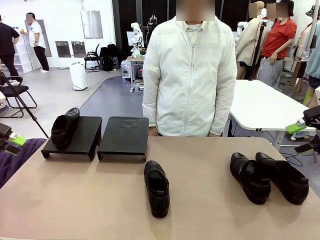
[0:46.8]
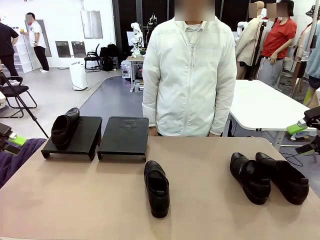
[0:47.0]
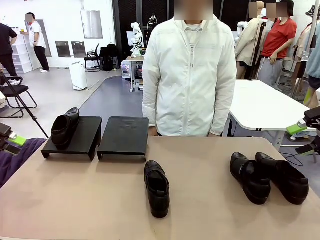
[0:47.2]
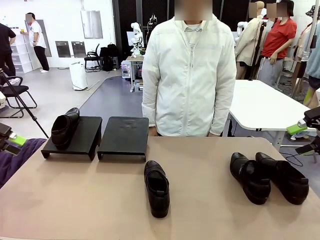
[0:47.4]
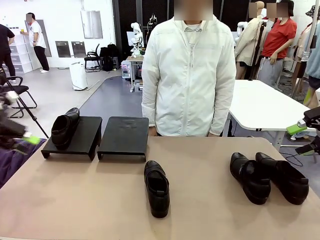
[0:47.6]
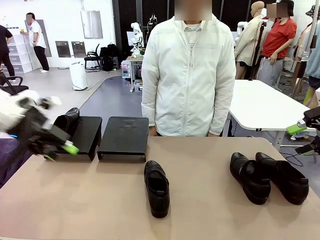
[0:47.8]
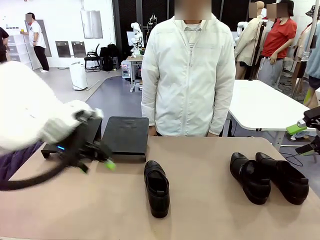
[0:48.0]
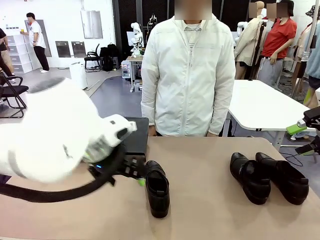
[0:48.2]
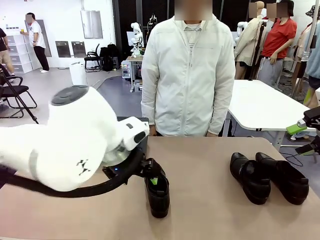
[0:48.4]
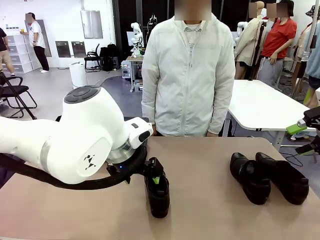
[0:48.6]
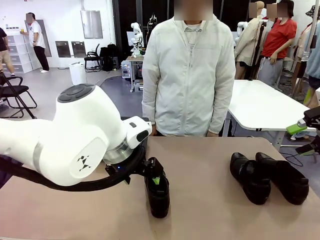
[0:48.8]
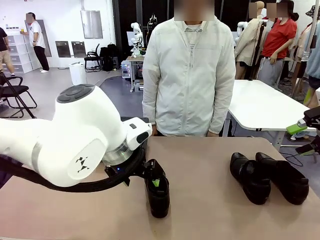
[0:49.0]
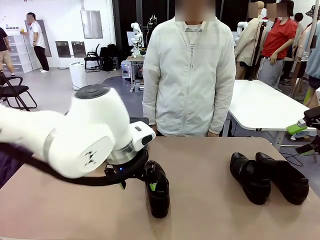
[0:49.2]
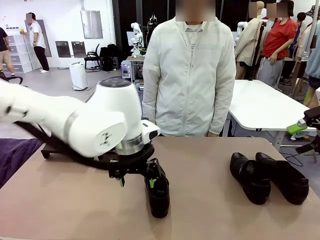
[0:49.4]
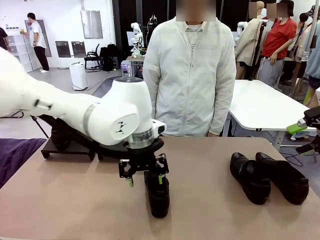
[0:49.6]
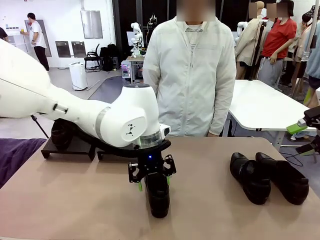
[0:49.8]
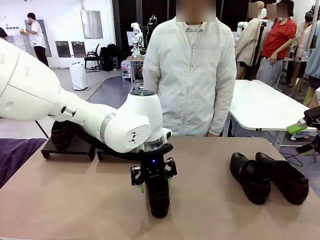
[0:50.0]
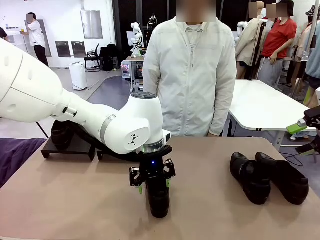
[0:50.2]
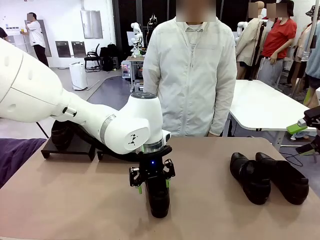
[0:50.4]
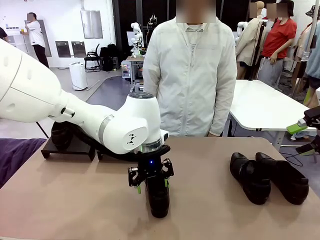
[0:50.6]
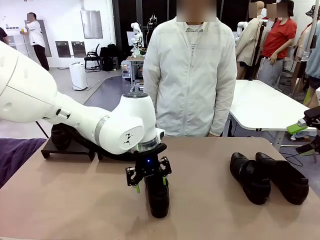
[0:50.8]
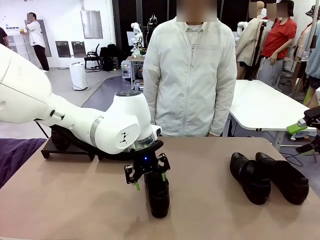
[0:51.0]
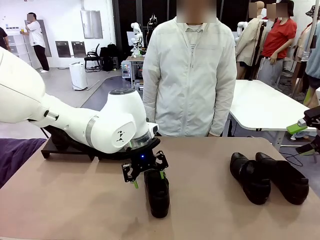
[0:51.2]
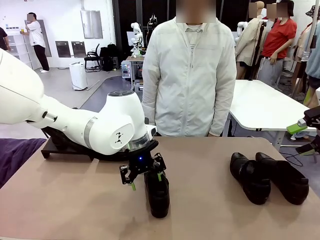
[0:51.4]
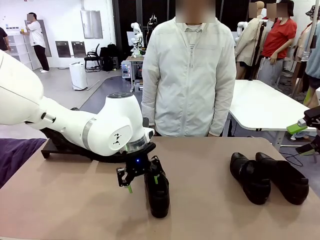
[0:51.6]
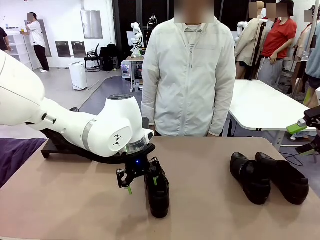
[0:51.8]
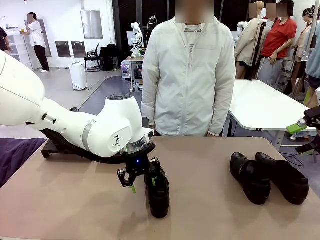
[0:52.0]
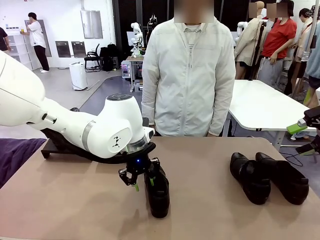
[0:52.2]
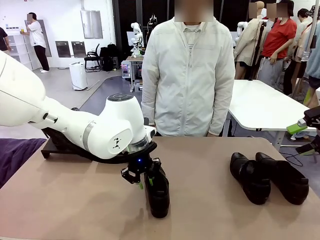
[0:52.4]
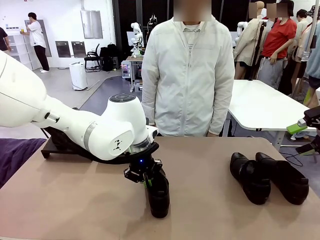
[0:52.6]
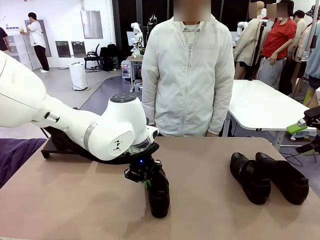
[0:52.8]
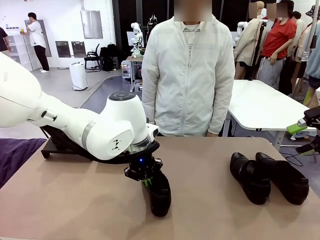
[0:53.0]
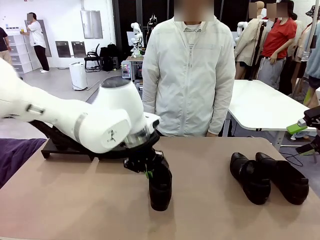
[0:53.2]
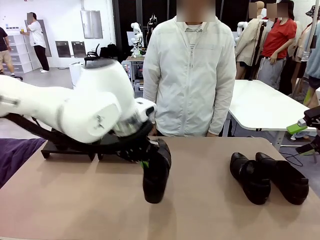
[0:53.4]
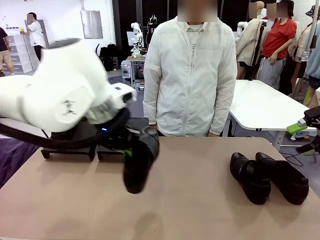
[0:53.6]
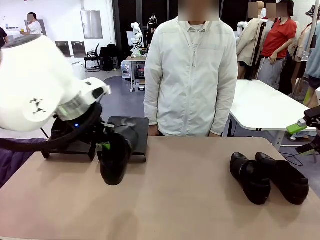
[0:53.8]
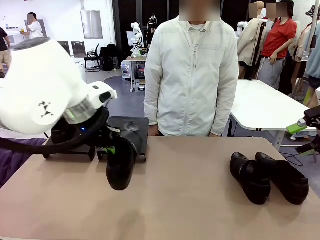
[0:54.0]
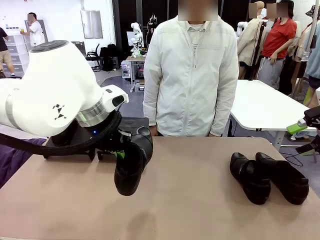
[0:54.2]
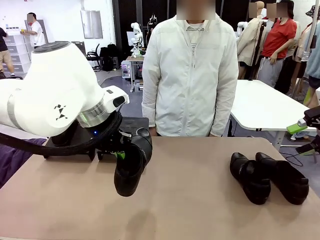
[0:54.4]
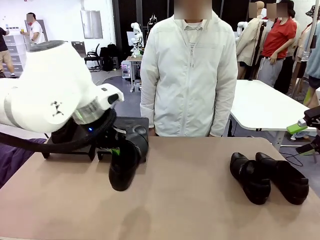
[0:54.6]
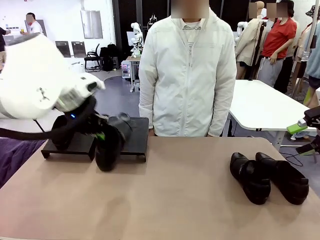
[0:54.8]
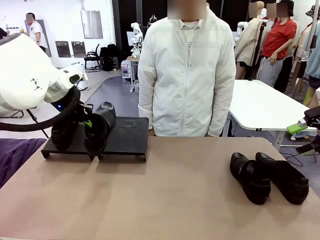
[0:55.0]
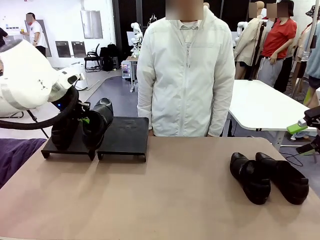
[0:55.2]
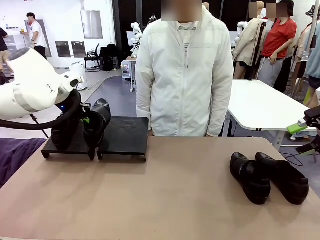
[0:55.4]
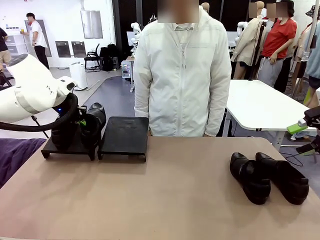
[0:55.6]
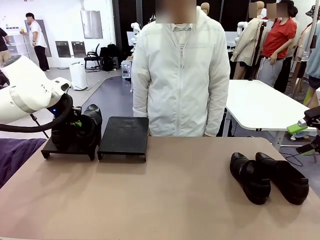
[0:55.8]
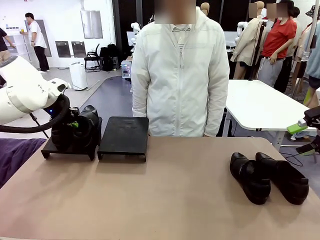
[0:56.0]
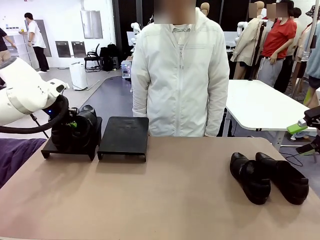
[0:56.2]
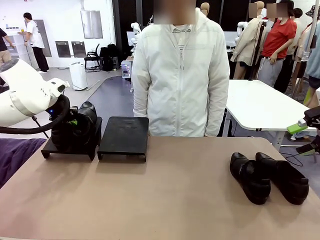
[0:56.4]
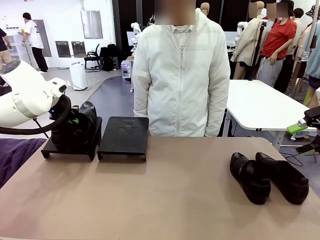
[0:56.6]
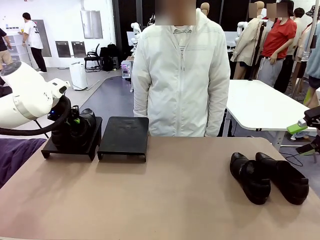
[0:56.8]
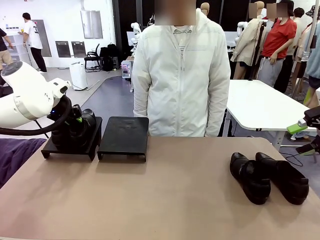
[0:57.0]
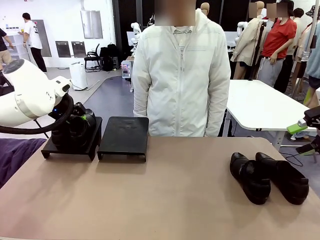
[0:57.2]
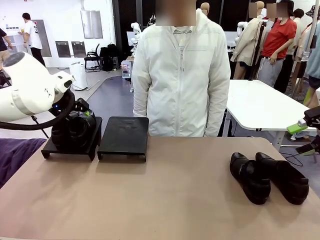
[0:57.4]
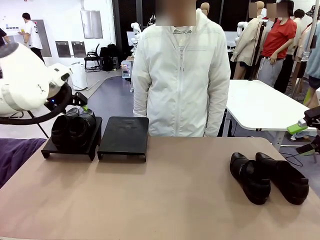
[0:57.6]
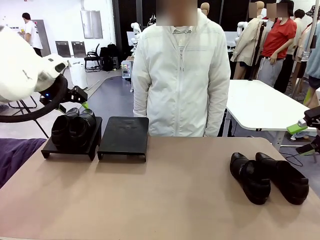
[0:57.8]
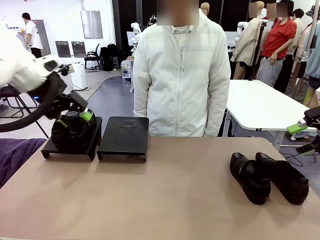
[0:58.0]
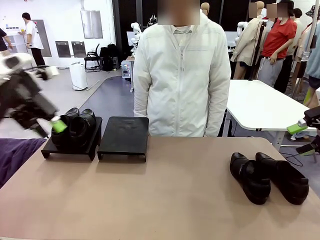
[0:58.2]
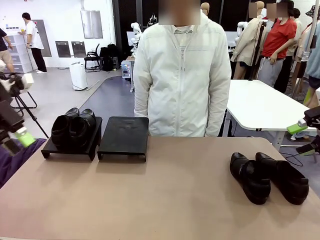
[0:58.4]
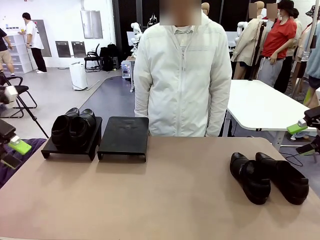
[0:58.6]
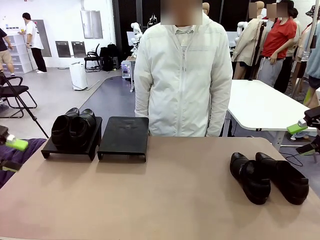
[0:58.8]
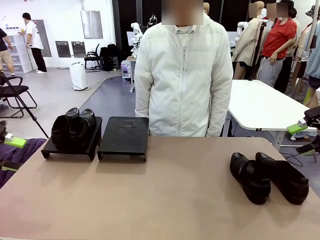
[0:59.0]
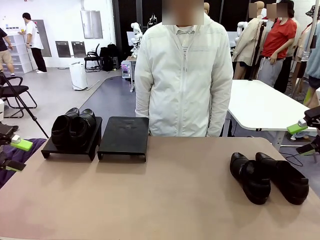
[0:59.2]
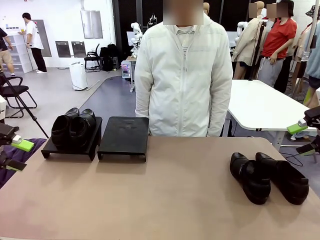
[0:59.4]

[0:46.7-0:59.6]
Task: Organize the shoes by placing them on the stand.
Robot: Place the Shoe from the middle of the table onto the Shoes Stand.

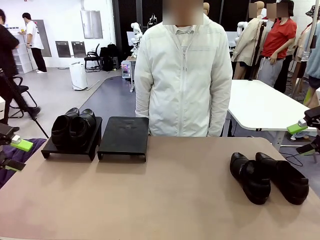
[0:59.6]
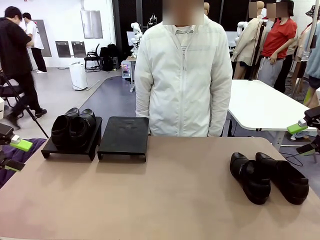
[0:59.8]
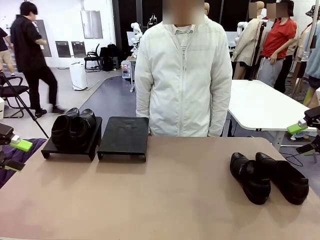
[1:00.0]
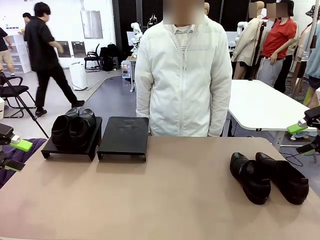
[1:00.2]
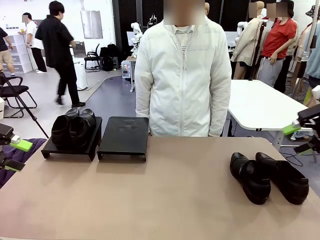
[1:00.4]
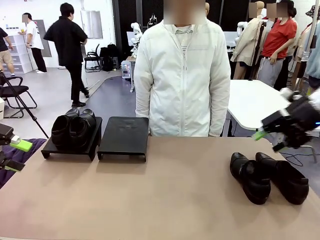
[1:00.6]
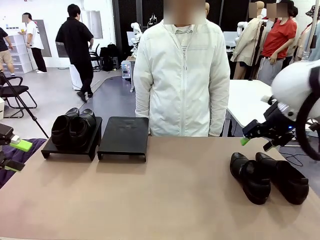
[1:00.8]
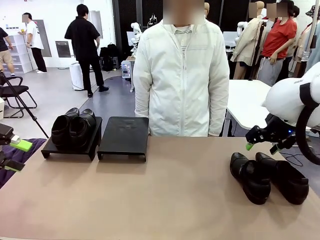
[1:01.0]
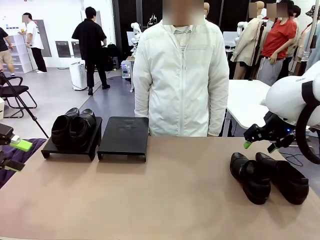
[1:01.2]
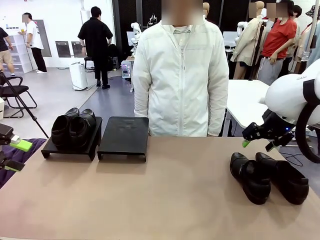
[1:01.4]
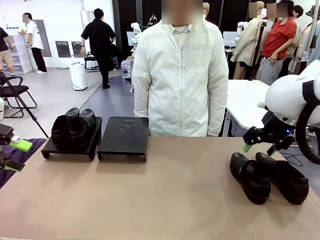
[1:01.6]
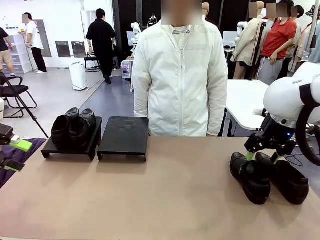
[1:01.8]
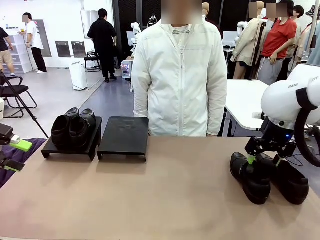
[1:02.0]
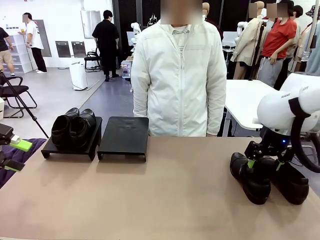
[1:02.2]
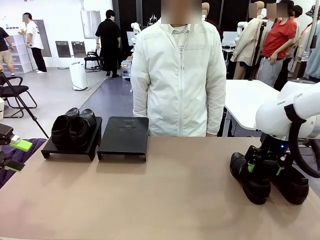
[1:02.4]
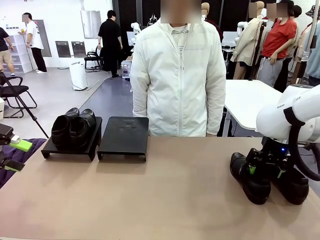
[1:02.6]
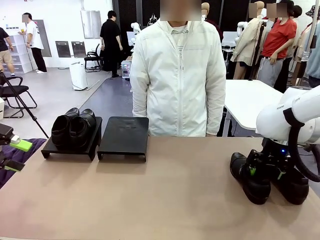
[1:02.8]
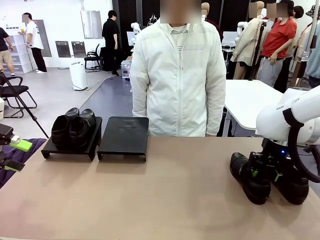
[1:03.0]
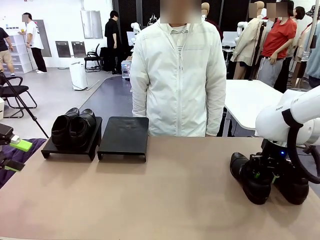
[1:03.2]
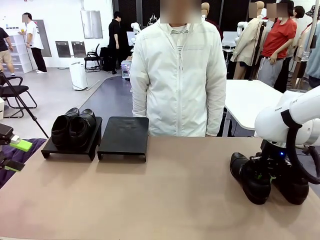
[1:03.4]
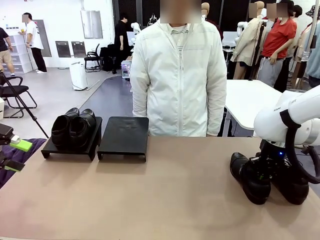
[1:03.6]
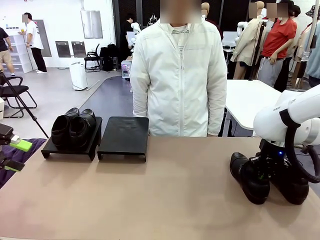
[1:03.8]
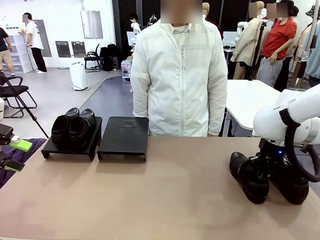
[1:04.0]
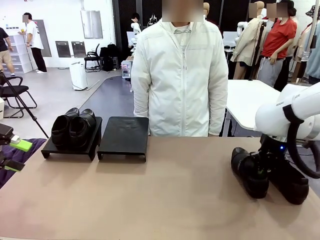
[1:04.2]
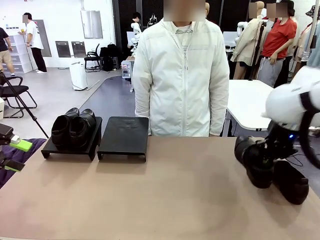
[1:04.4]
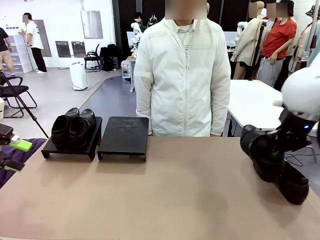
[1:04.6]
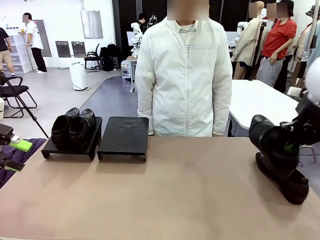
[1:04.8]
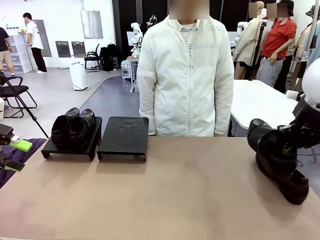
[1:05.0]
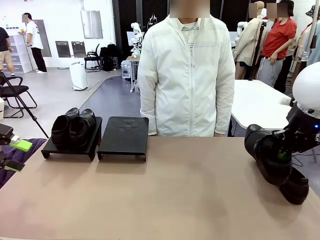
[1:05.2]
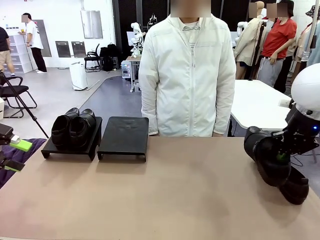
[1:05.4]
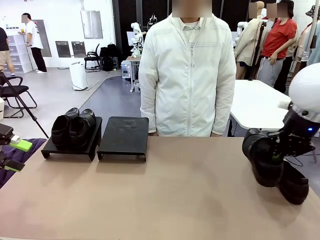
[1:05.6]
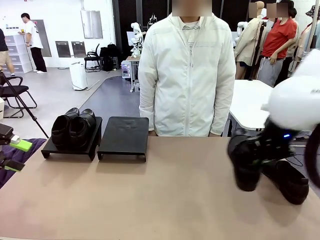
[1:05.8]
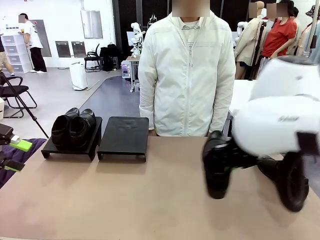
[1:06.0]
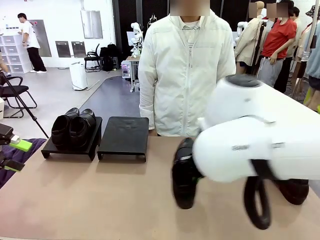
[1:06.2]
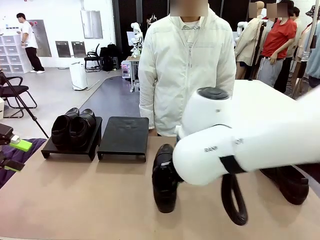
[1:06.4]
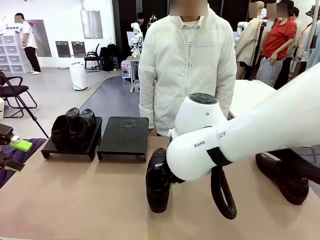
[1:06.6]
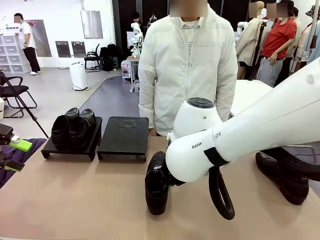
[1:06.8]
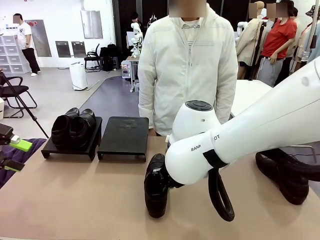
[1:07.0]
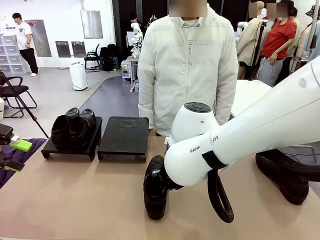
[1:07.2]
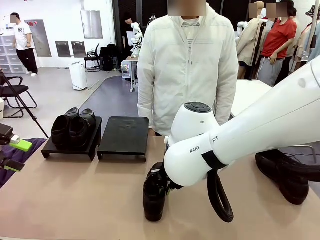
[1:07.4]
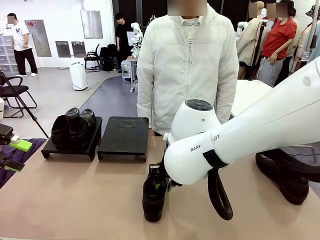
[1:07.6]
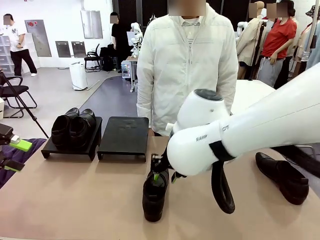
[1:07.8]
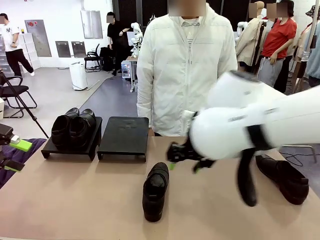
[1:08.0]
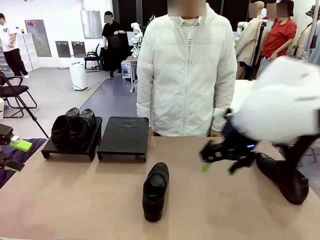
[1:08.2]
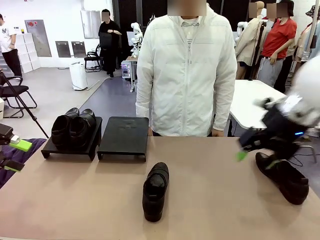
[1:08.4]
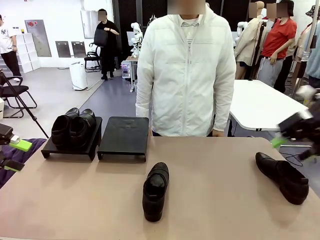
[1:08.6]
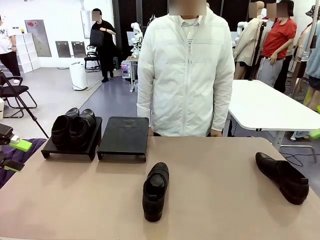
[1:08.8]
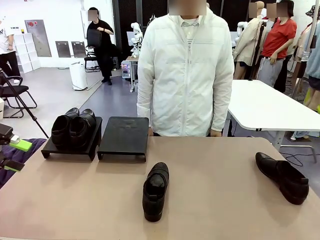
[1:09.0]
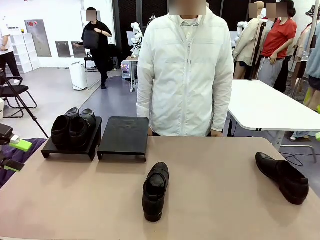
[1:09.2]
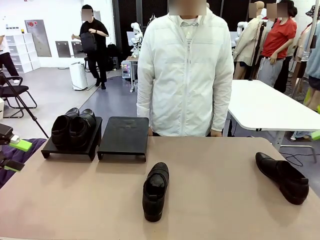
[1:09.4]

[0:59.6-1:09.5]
Robot: Pick up one Shoe and place it in the middle of the table.
